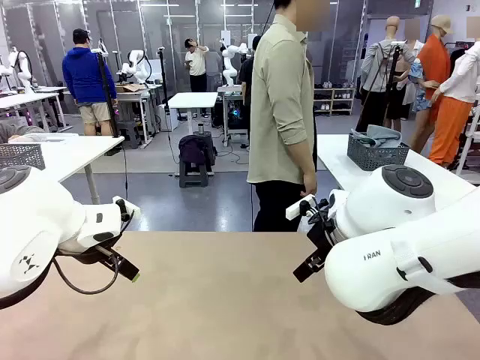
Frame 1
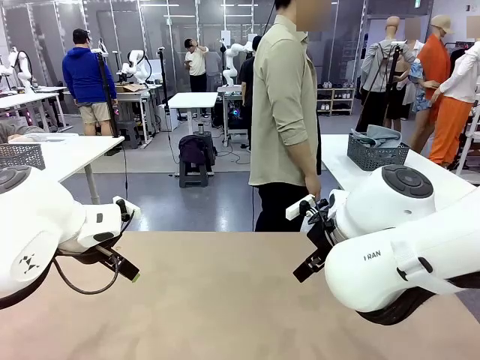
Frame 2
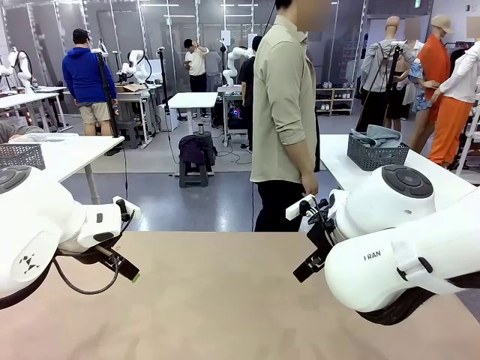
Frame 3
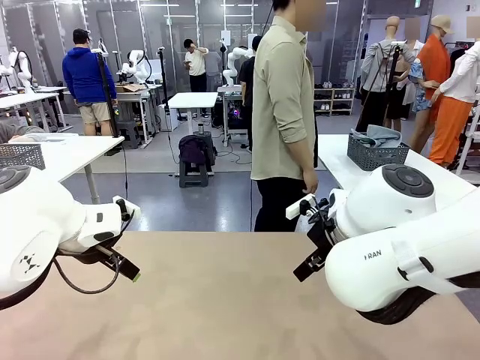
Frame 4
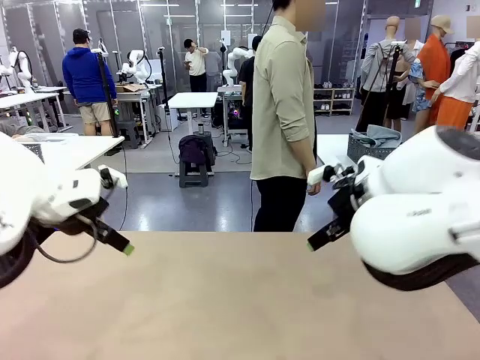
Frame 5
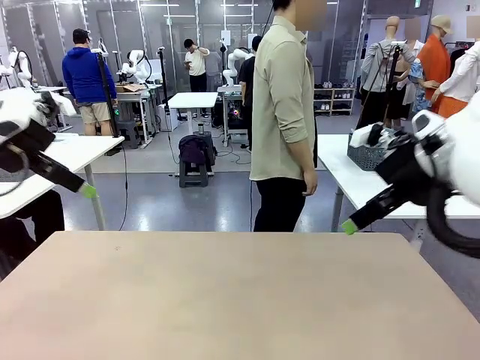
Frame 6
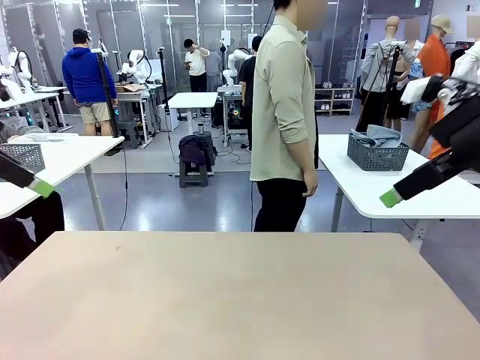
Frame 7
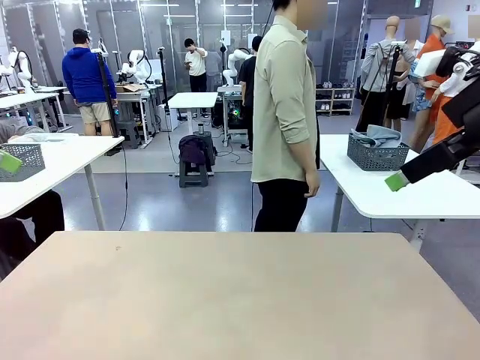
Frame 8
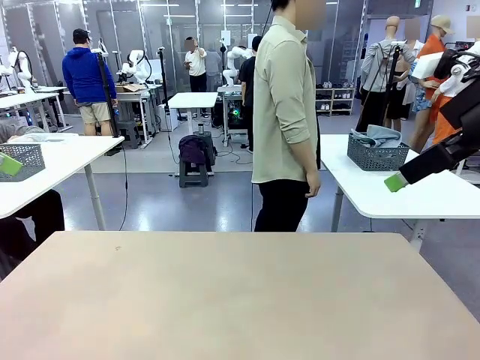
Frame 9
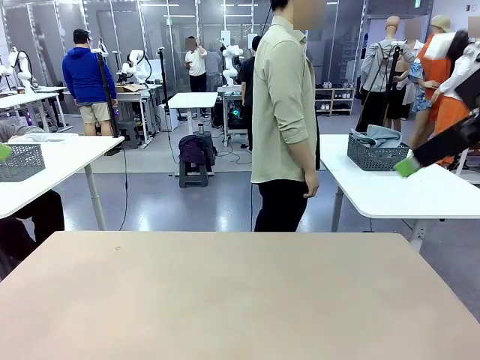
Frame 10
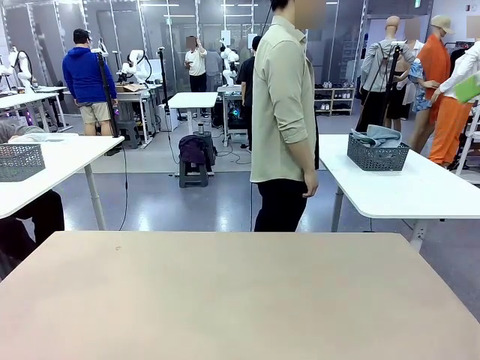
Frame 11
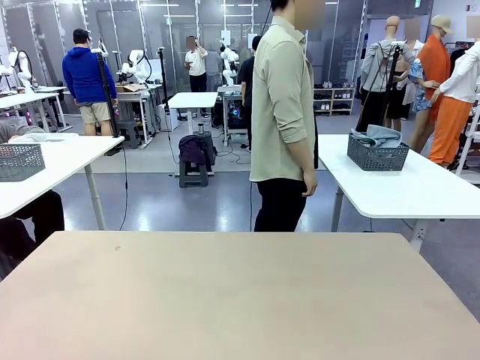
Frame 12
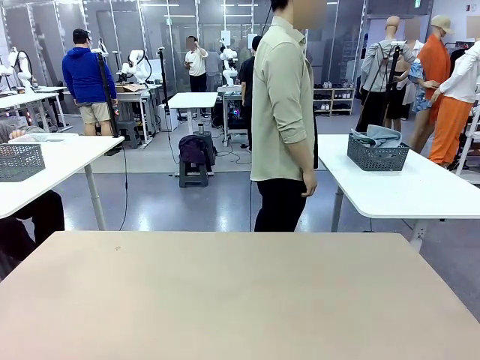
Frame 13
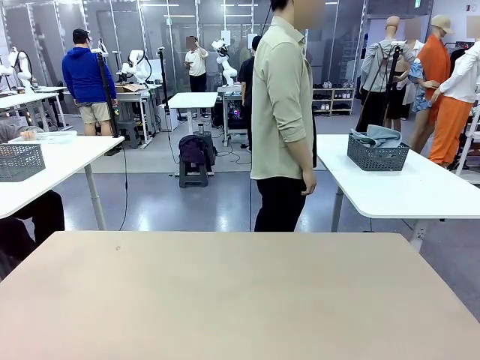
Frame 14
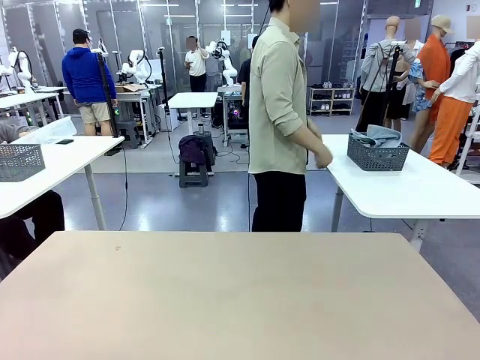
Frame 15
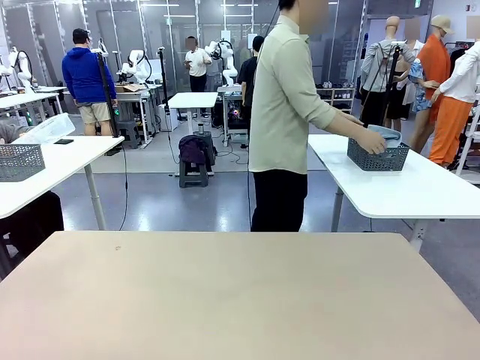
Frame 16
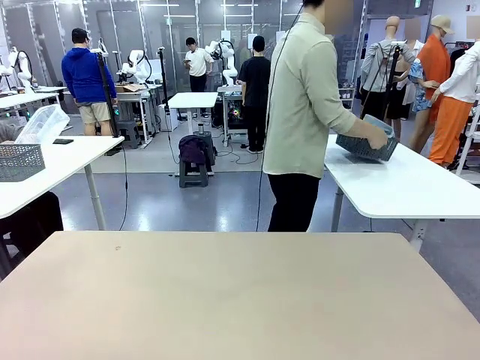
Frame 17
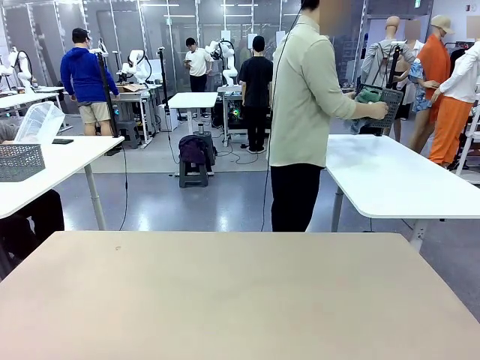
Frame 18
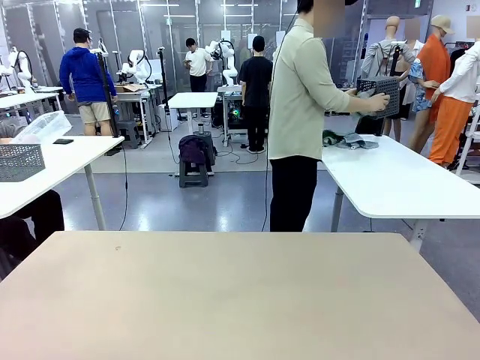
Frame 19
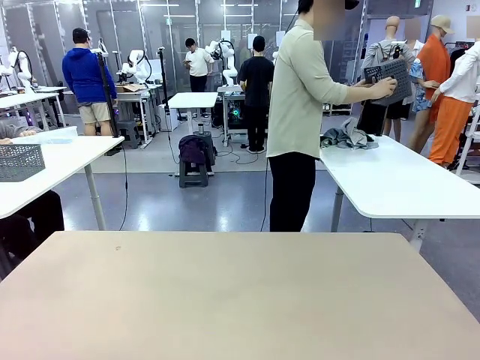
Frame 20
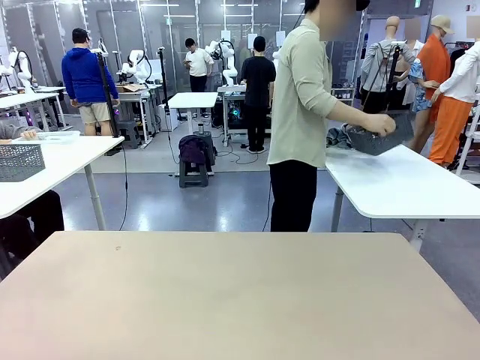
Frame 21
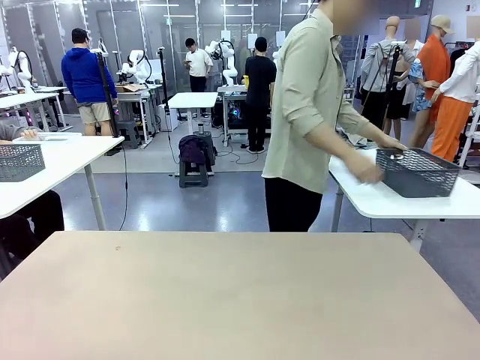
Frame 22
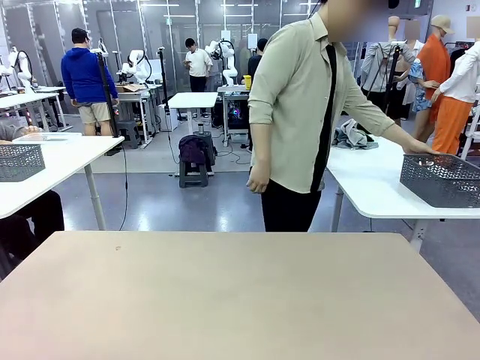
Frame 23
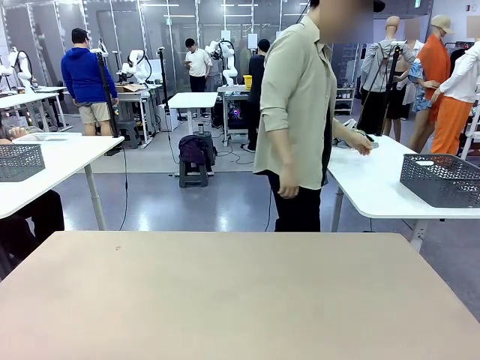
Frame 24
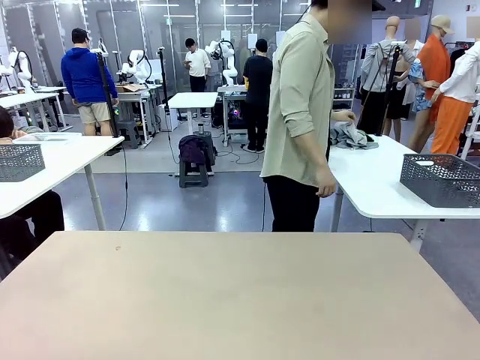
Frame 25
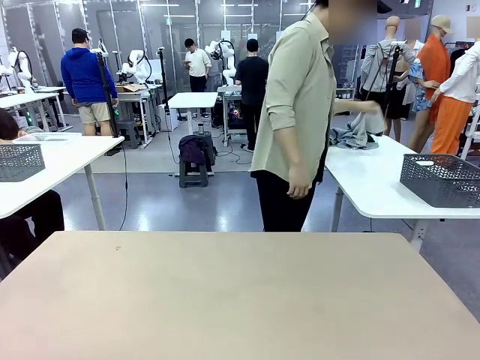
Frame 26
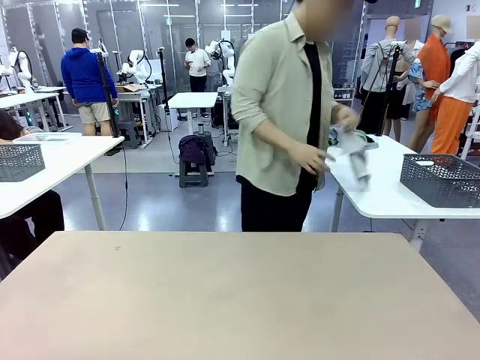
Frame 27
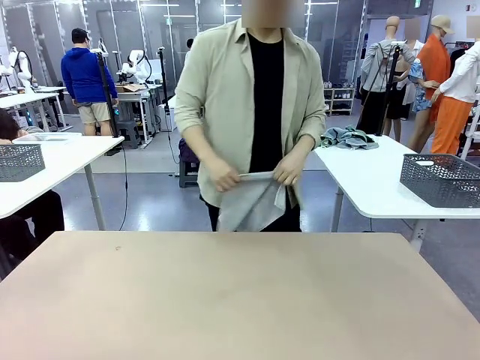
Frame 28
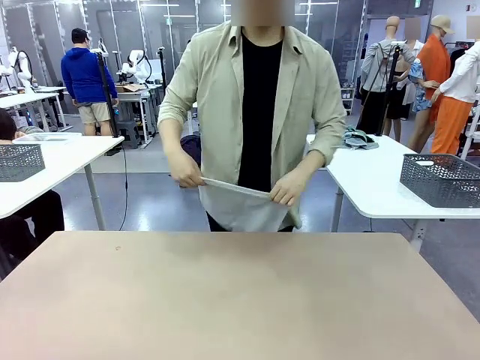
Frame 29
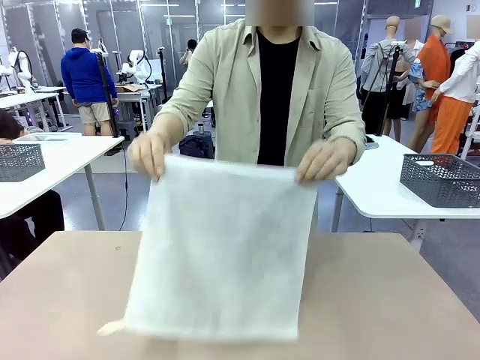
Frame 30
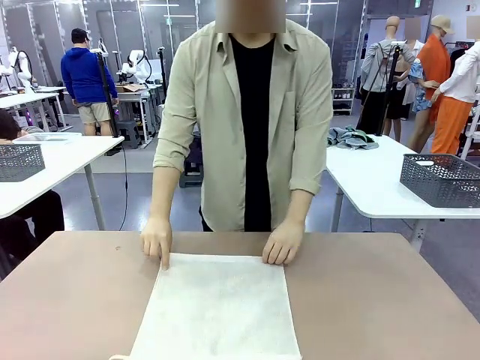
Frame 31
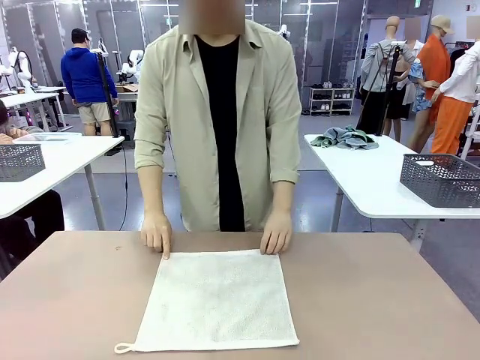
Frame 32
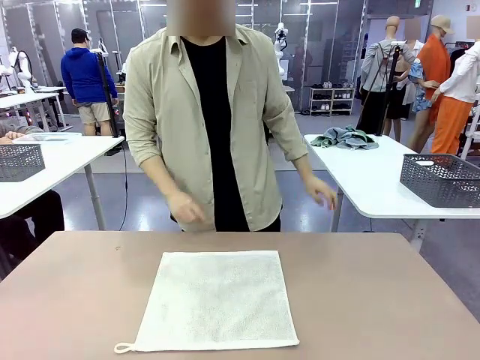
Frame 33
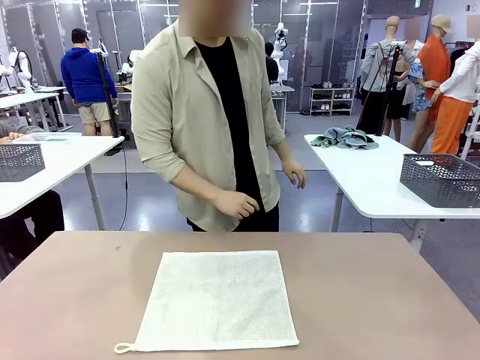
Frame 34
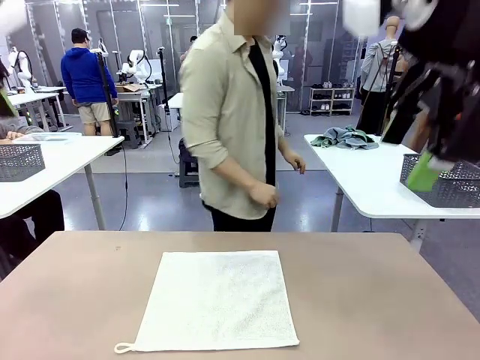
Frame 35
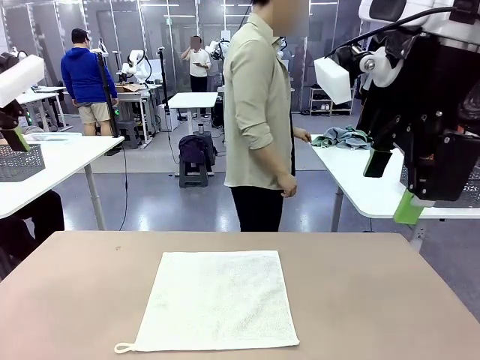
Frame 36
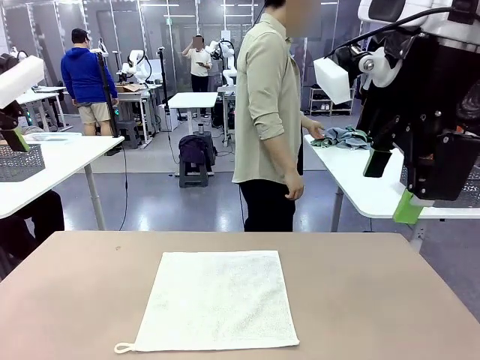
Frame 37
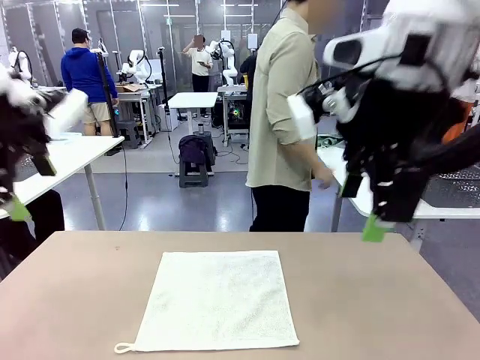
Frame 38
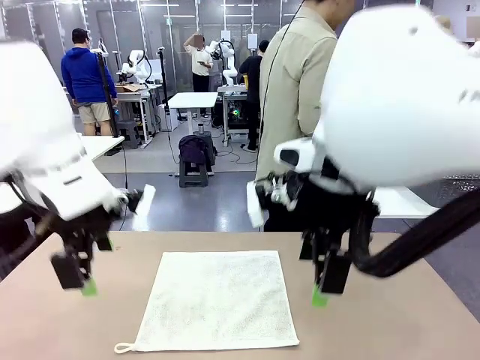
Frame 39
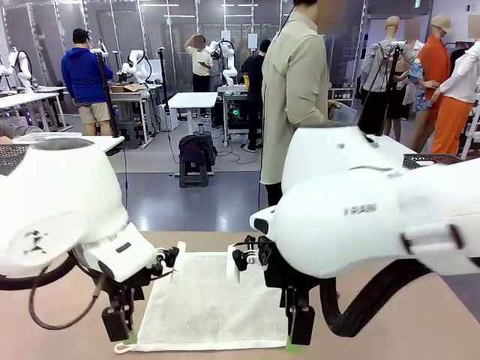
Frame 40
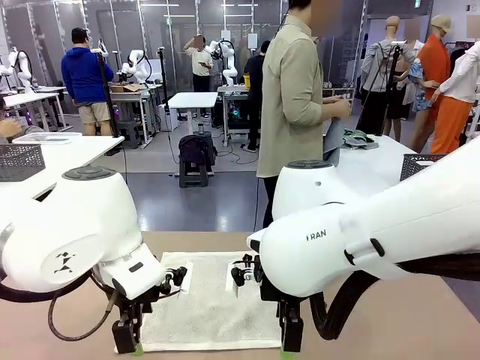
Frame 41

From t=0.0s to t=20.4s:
Task: Fold the towels and place them in the basket.
Robot: When a person lays out a Towel with hook on the table, fold it in half twice.
Person: Pick up the basket, pour the towels onto the left side of the human table, and place the basket on the right side. Pick up one towel and spread it out at the center of the robot table.
